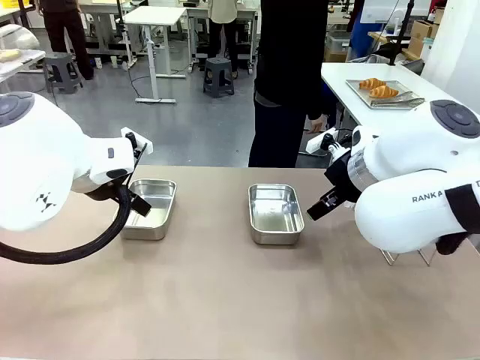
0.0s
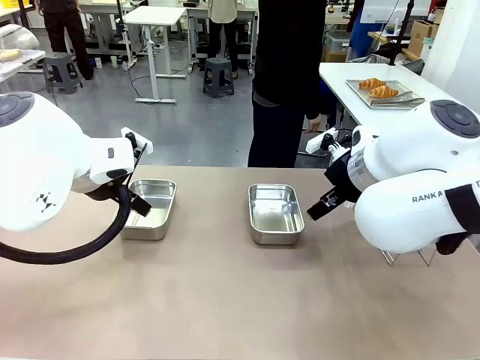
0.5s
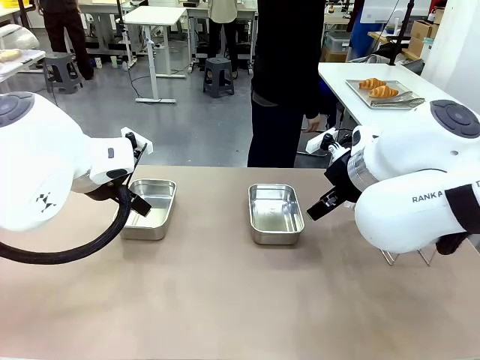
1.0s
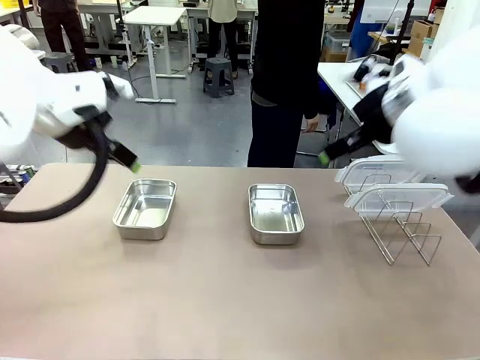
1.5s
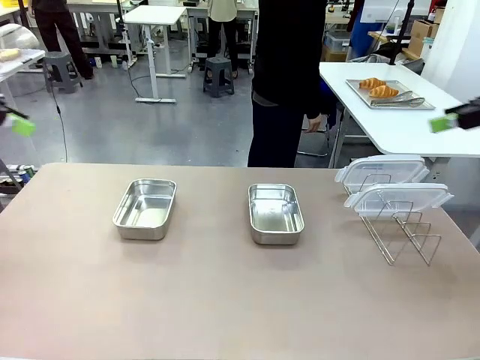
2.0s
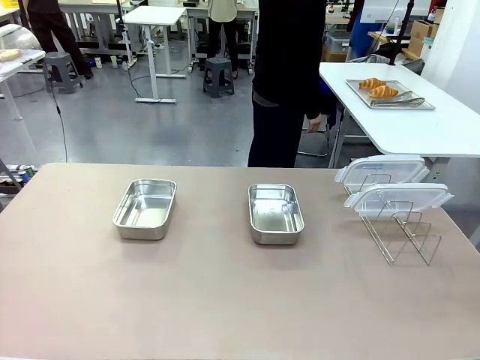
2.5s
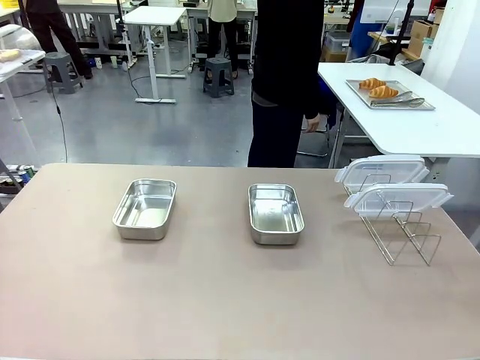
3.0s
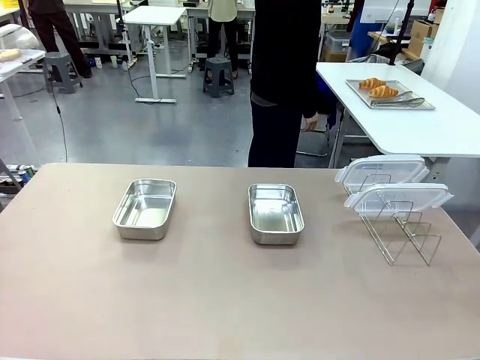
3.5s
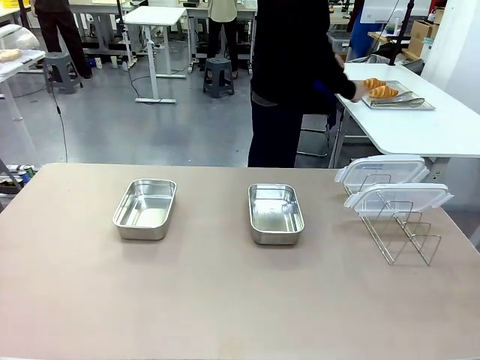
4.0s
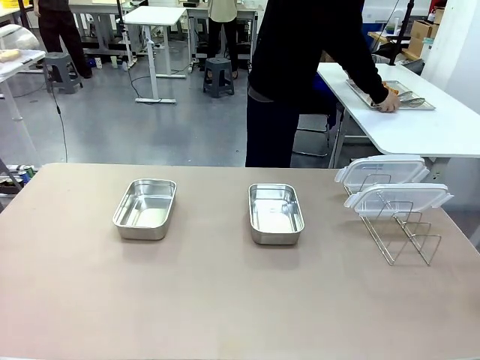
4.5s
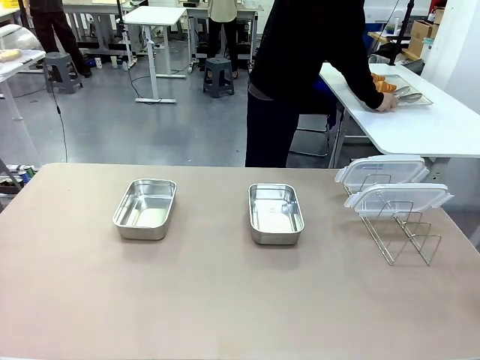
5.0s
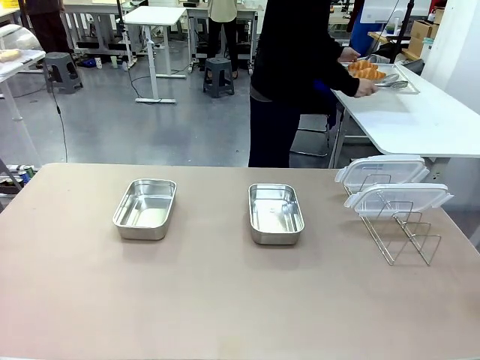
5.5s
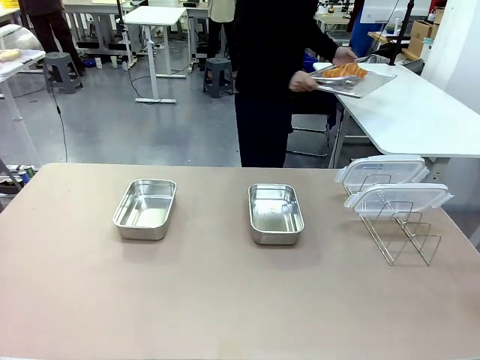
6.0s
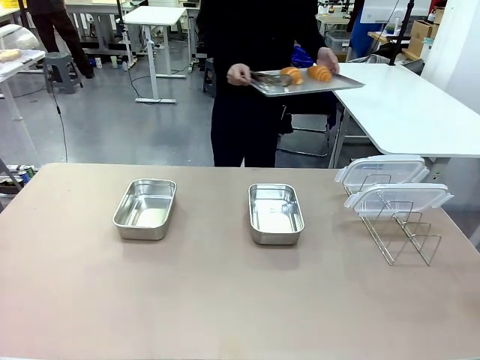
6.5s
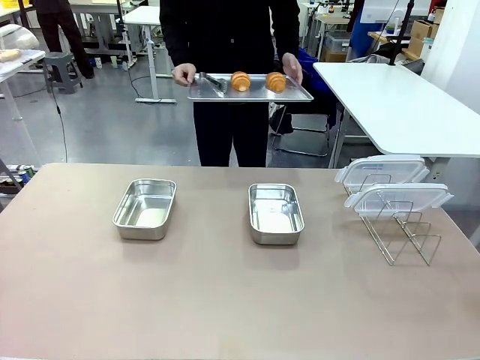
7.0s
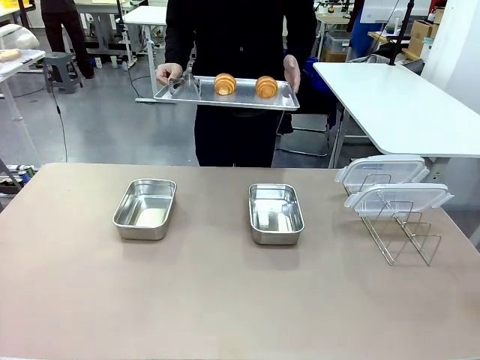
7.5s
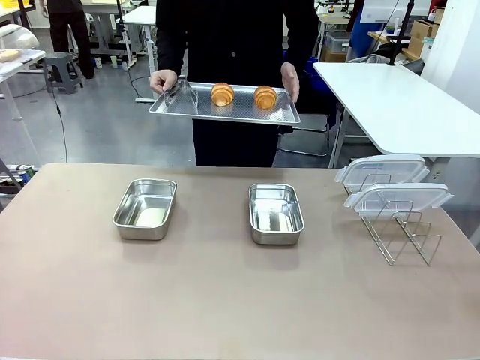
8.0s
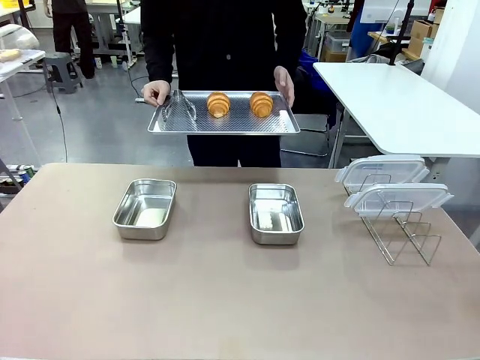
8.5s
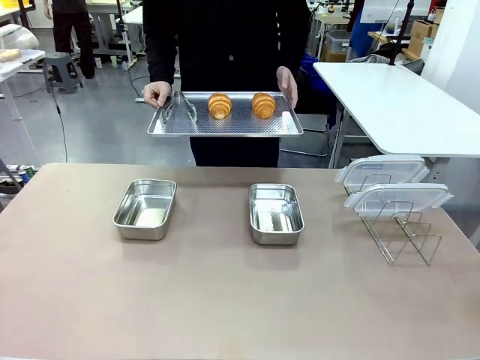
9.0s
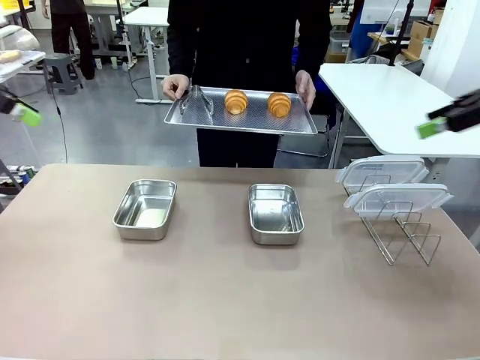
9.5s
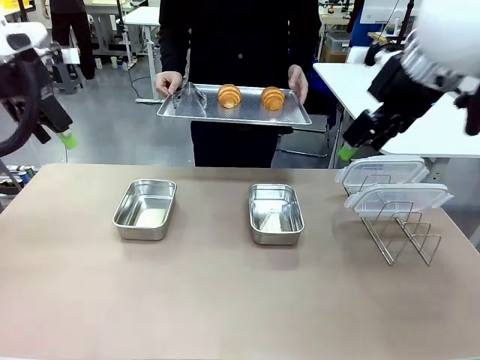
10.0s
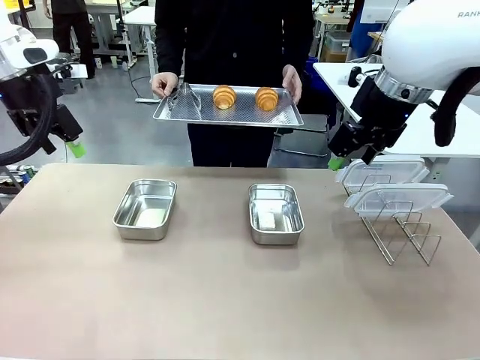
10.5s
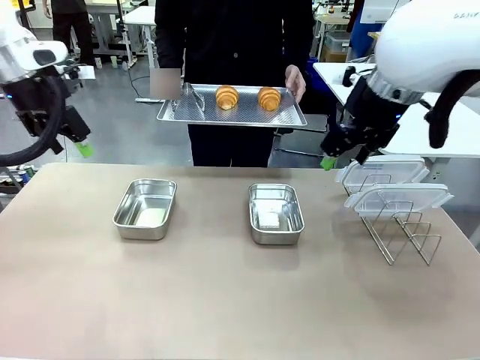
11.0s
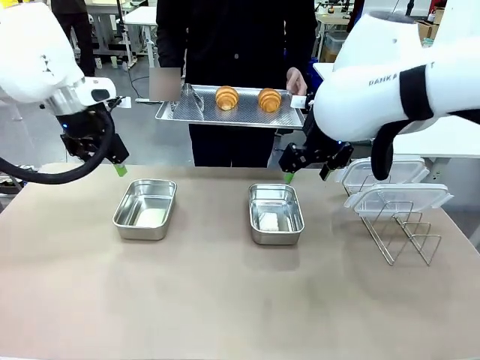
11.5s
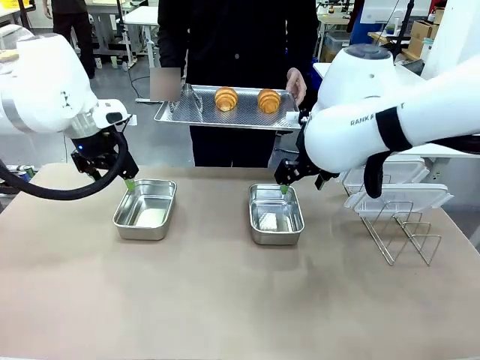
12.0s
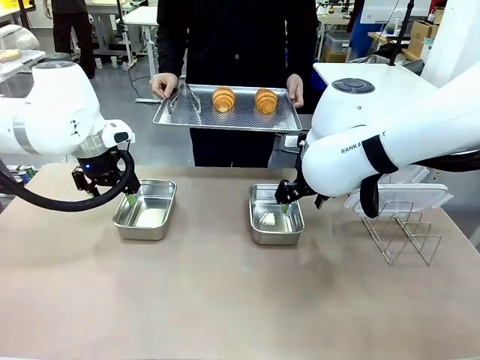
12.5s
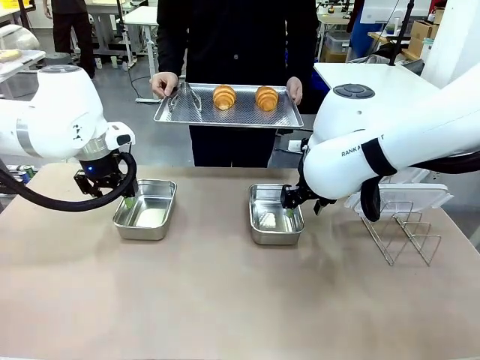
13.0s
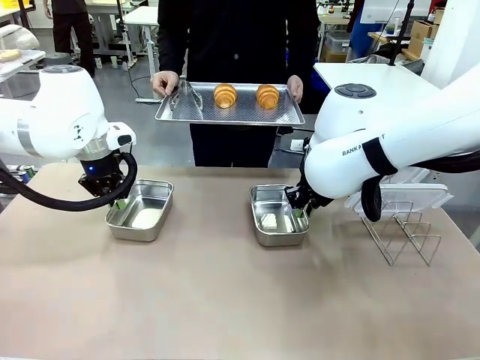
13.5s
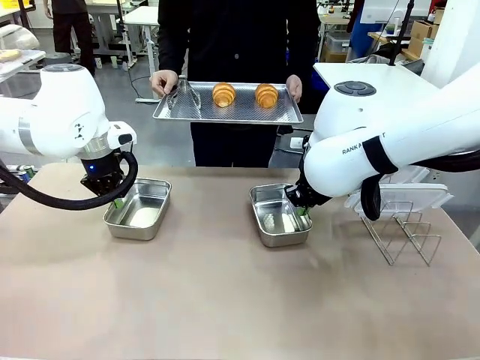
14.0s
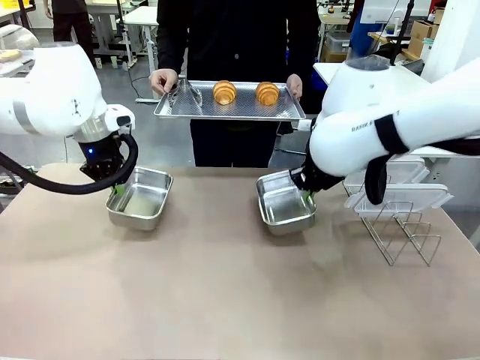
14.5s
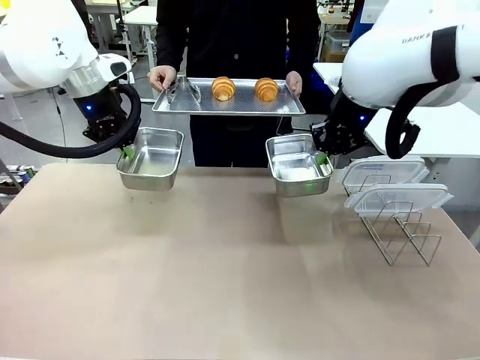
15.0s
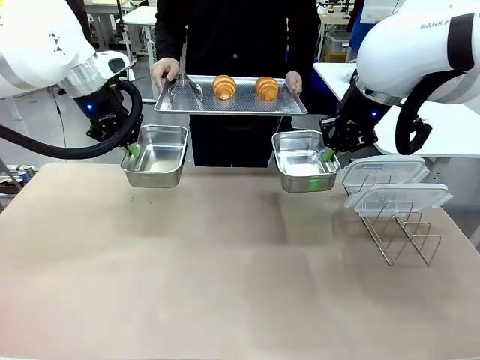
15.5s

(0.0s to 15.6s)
Task: Place the bread in airtight containers.
Robot: Lift both Airtight Container.
Person: Bring the Baking Sheet in front of Robot's Table.

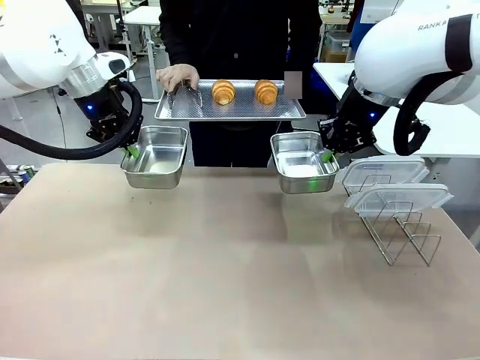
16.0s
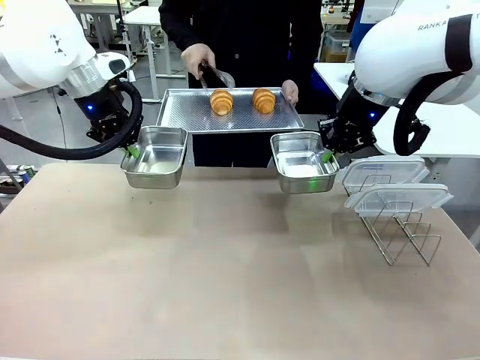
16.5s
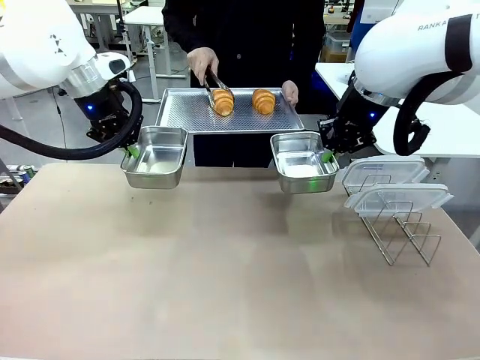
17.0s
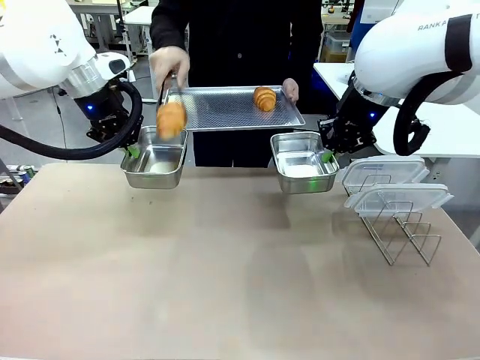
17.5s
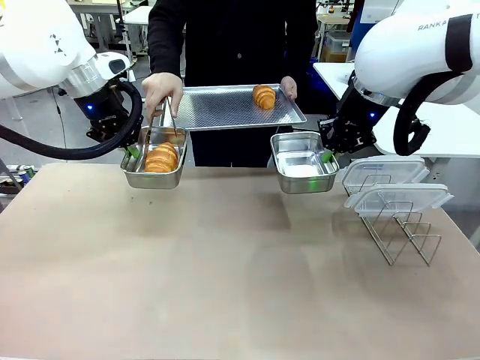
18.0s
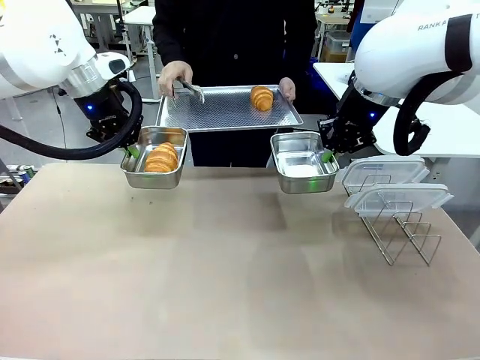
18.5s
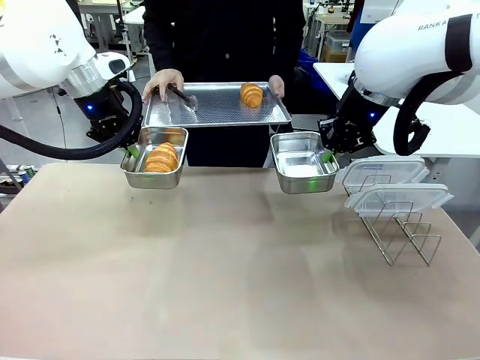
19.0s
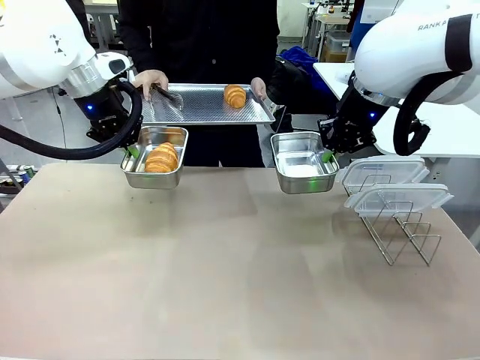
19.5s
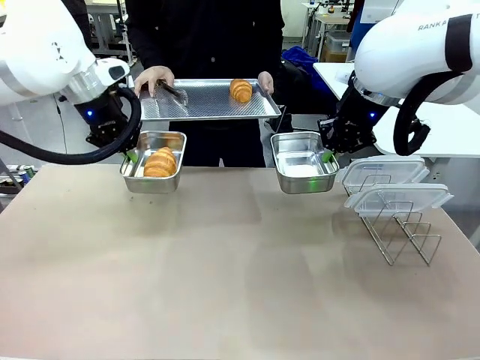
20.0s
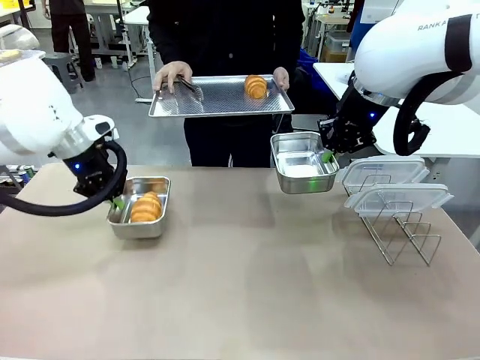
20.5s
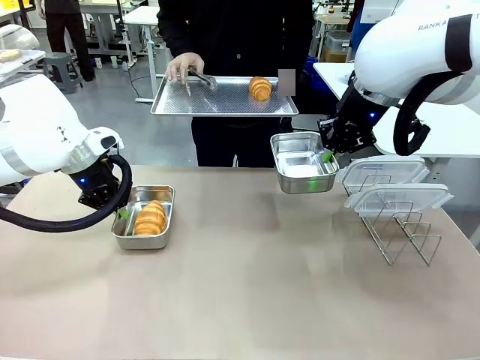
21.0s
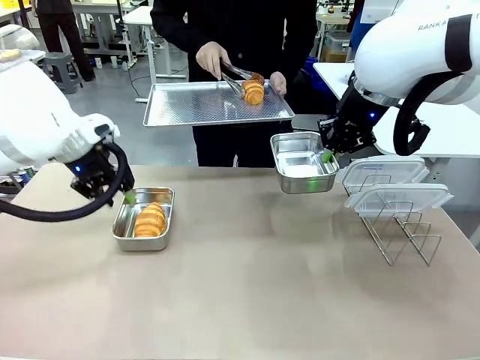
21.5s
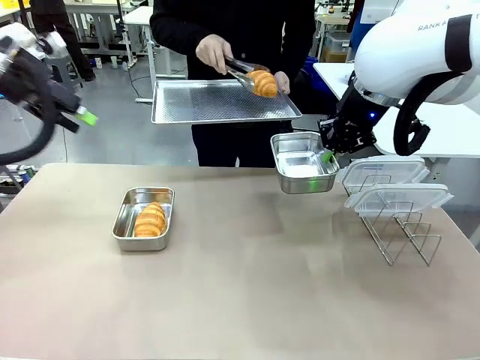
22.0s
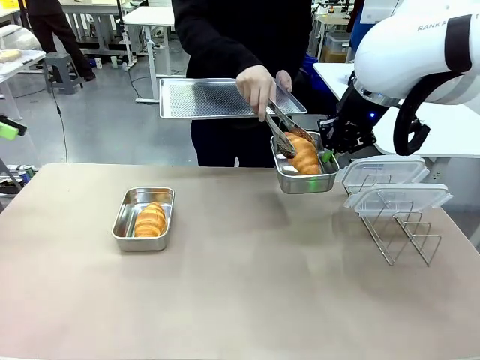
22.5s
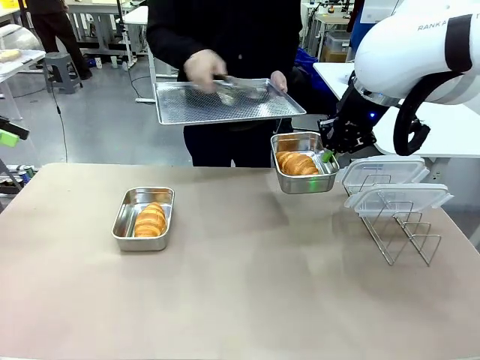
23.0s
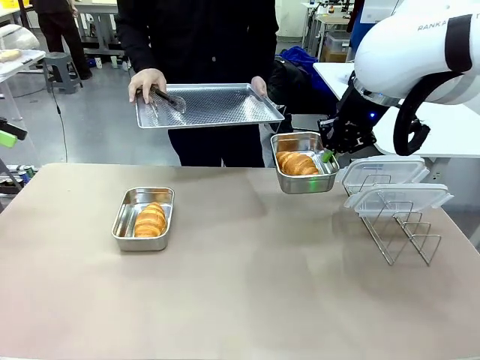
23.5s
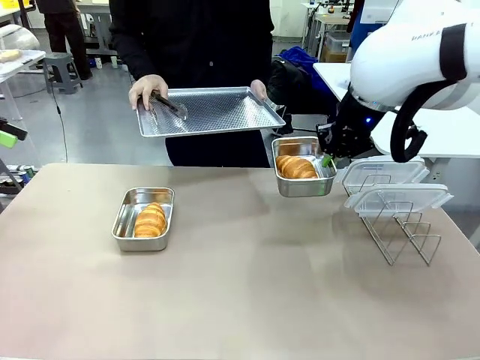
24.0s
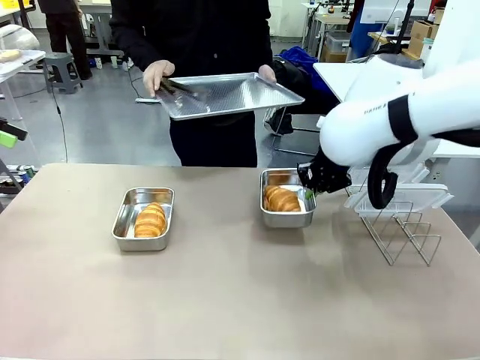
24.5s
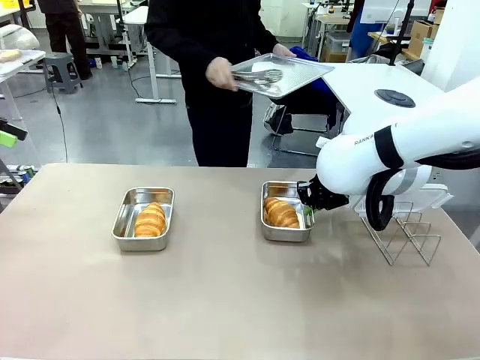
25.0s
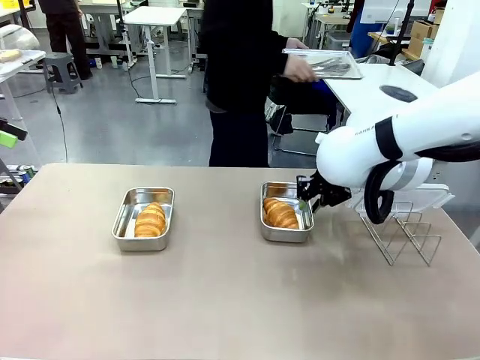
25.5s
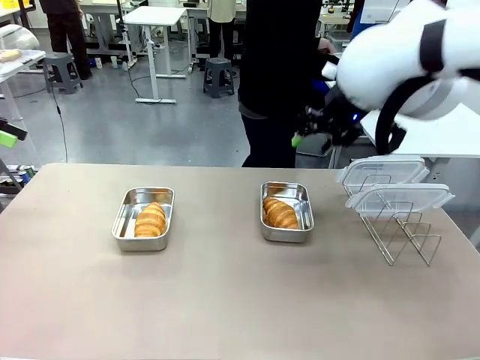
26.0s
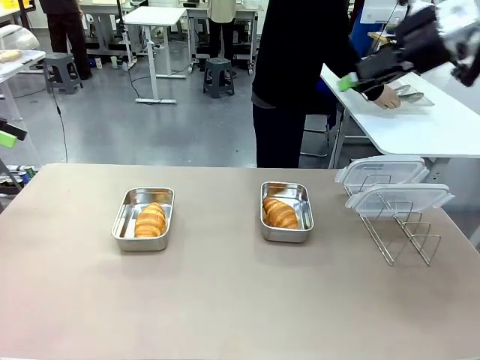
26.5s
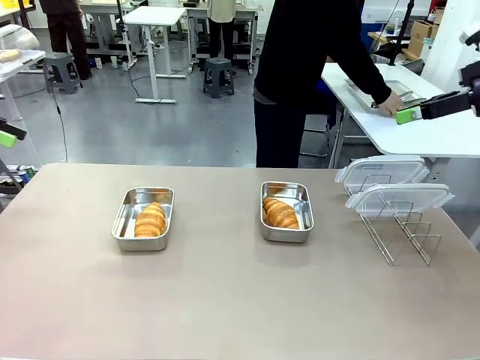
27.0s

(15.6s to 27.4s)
Robot: Once an object is inside an Airtight Container , place the container in the center of the table.
Person: Use the Stainless steel tongs to place one object from Baking Sheet into one Airtight Container. Place Baking Sheet on the Human's Table.
